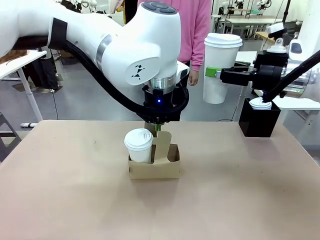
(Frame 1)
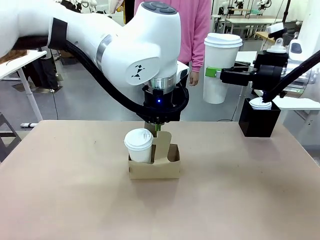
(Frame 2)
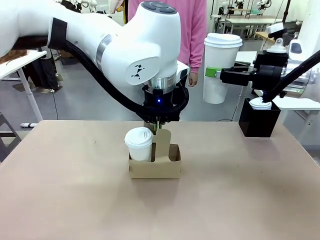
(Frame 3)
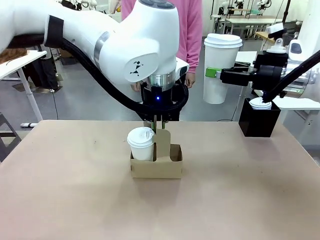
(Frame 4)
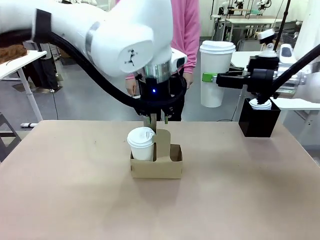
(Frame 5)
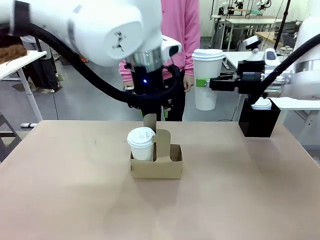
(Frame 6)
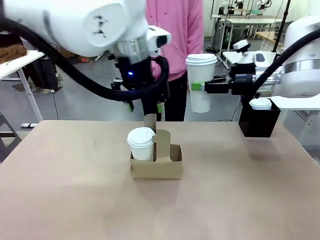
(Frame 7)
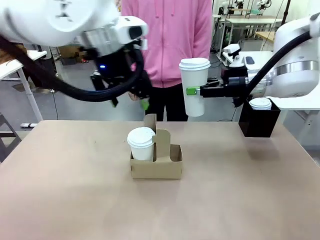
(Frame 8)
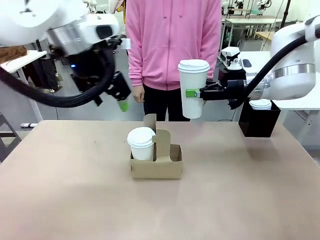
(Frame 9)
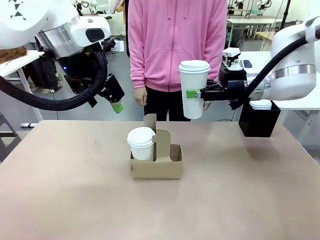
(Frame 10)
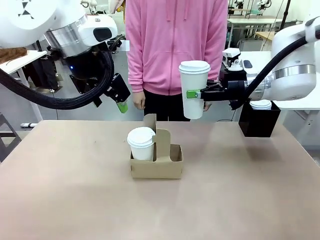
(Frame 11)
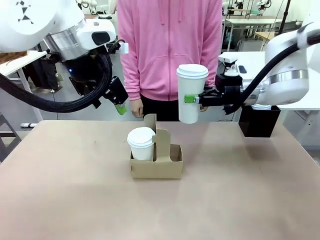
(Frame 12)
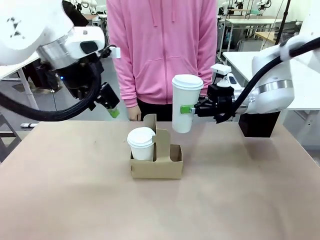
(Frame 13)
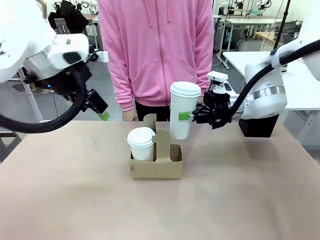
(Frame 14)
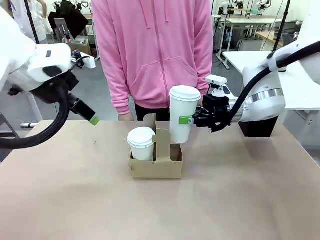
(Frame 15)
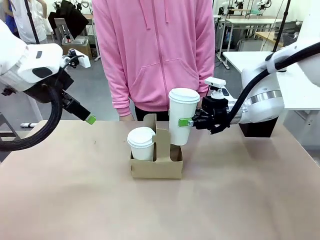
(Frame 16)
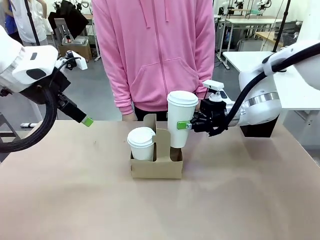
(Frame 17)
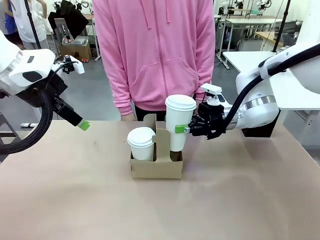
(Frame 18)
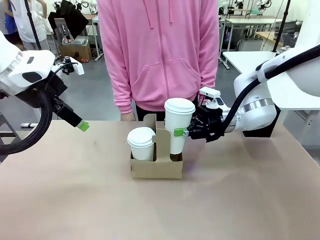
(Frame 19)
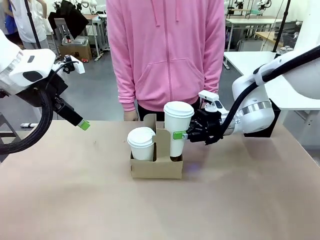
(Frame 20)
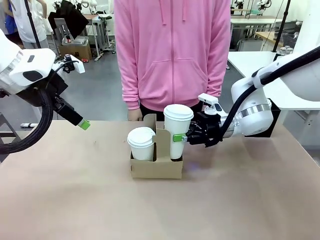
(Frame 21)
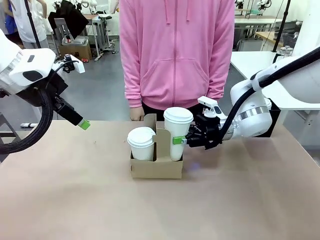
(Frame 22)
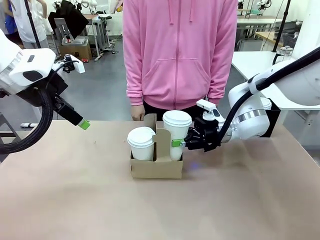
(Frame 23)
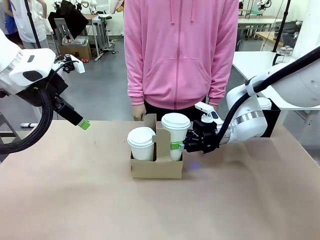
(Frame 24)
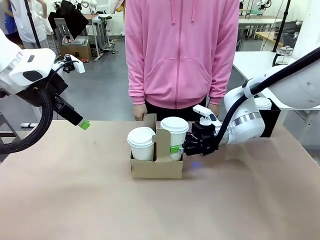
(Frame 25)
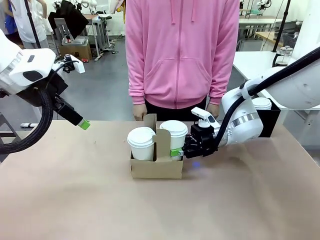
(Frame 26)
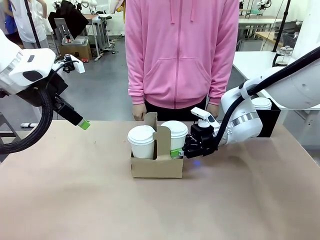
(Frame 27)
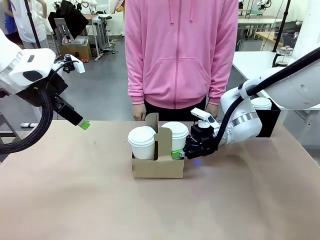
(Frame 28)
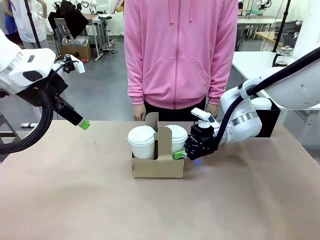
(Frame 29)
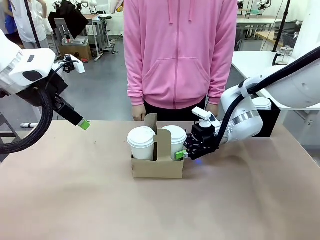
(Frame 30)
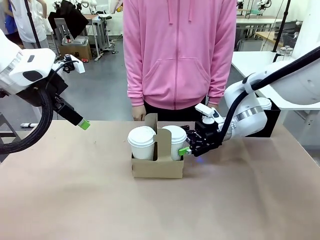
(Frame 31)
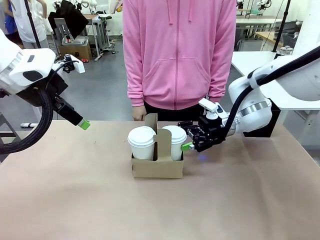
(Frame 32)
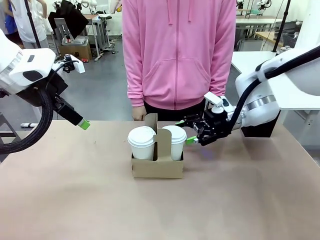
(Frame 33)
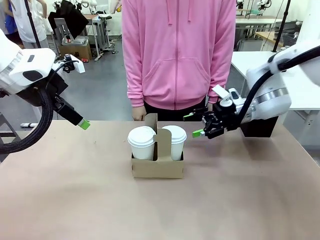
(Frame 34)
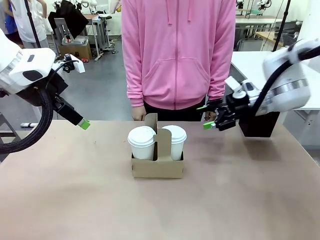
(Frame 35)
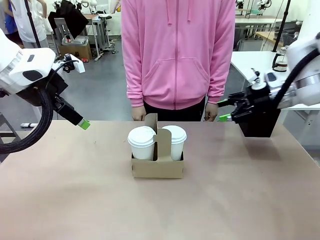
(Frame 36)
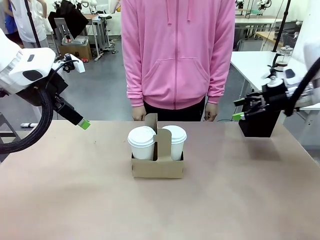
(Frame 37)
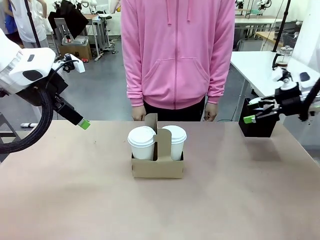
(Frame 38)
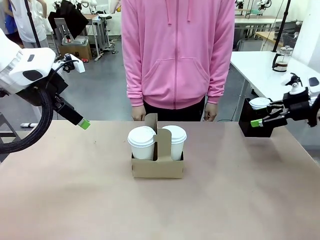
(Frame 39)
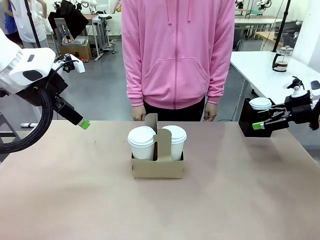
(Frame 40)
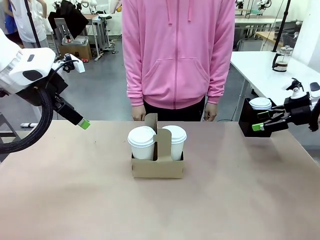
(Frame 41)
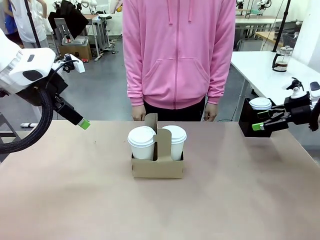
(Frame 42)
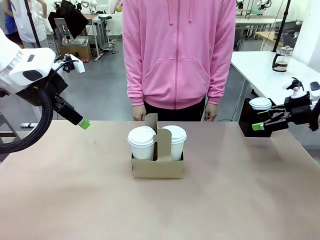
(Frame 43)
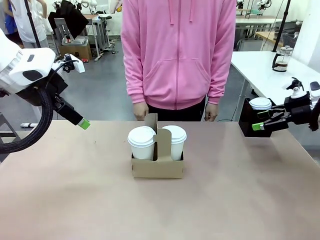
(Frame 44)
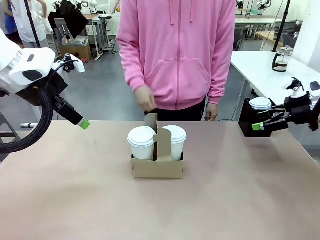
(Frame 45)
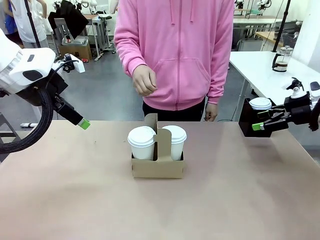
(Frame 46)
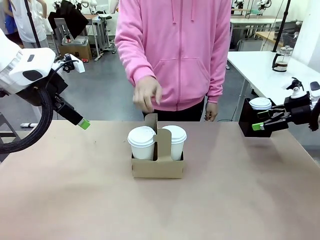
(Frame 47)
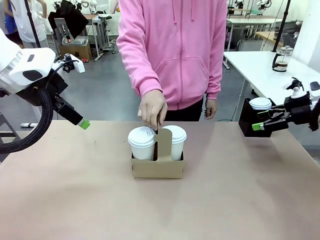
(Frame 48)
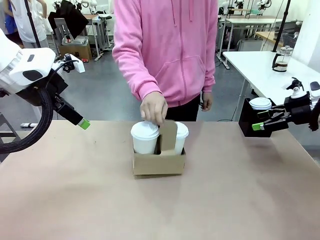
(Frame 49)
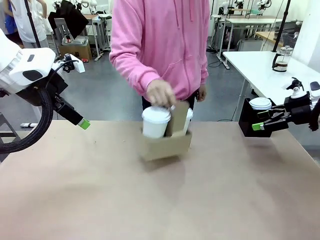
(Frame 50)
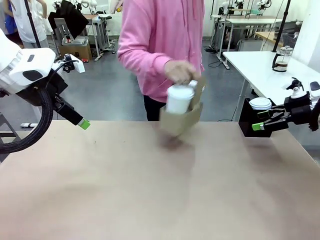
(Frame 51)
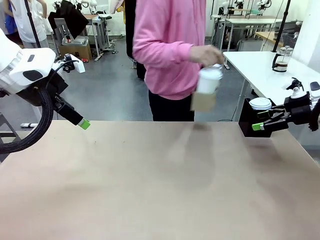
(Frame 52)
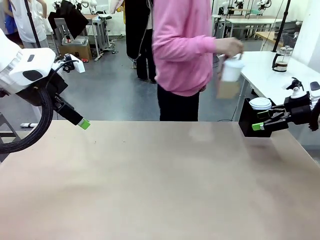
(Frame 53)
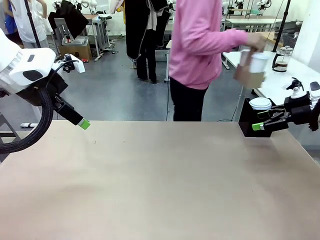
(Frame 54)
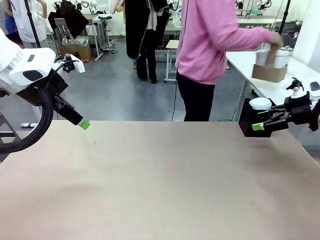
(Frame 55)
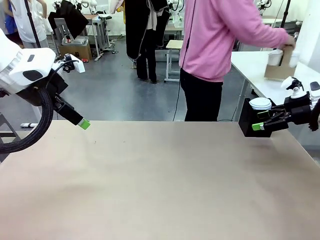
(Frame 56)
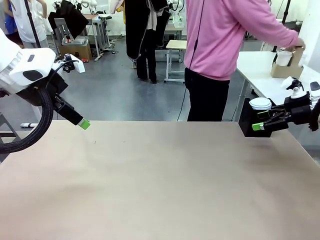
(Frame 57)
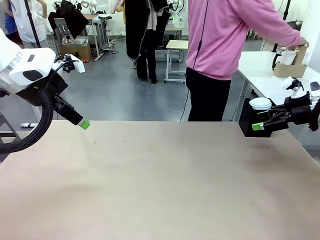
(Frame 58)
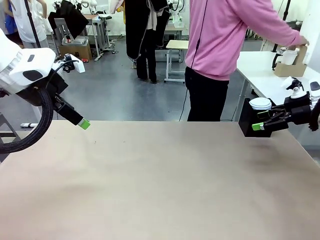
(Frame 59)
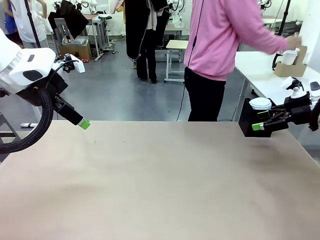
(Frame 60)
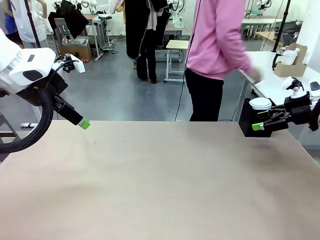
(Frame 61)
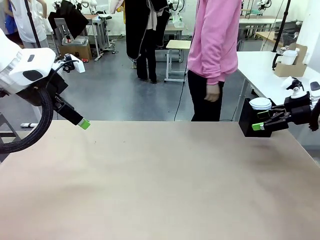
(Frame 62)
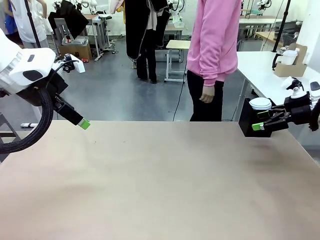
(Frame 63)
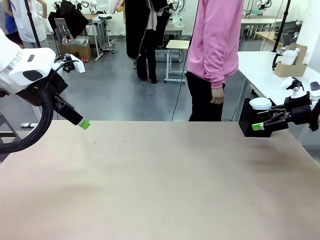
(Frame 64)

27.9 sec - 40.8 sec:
Task: Pour a drink into a cup and package it in a carrier.
Robot: Insert the held 600 ml Paper Cup into the Cup Carrier.
Person: Place the Cup Carrier to the middle of Human table.

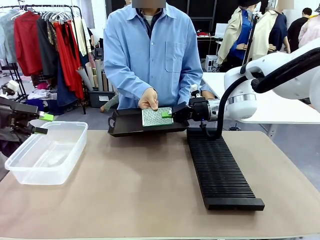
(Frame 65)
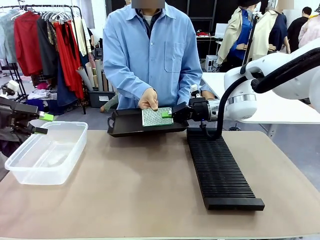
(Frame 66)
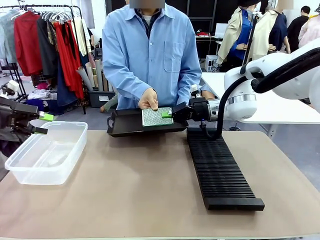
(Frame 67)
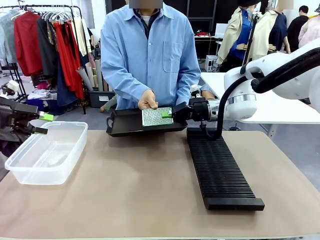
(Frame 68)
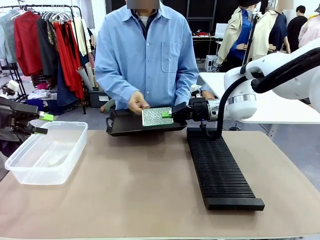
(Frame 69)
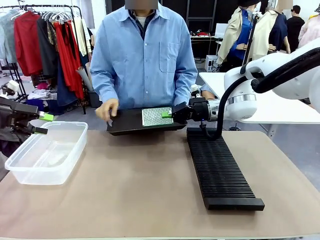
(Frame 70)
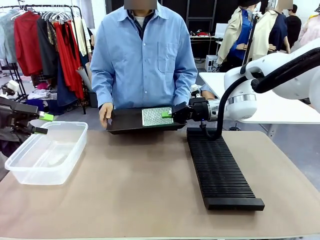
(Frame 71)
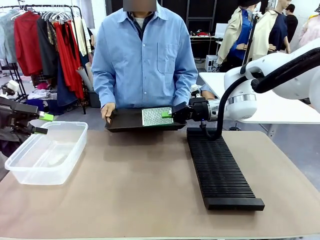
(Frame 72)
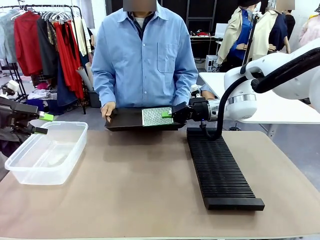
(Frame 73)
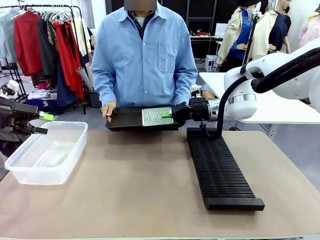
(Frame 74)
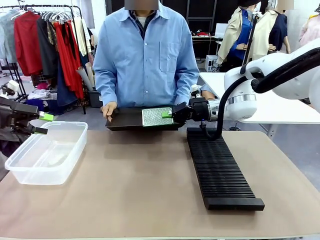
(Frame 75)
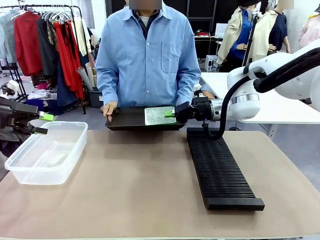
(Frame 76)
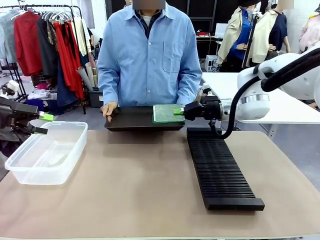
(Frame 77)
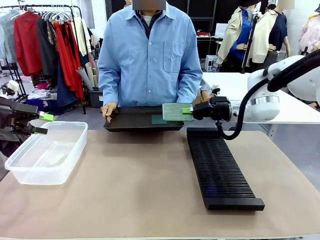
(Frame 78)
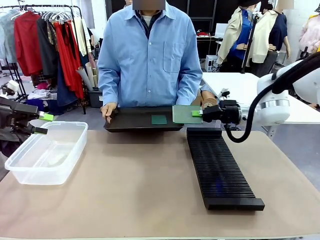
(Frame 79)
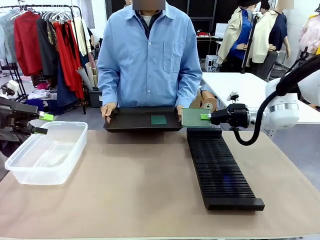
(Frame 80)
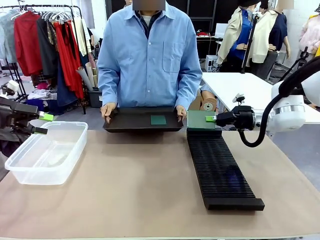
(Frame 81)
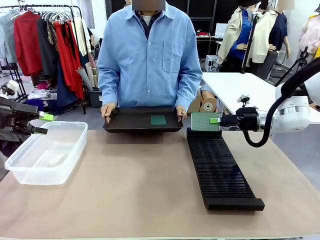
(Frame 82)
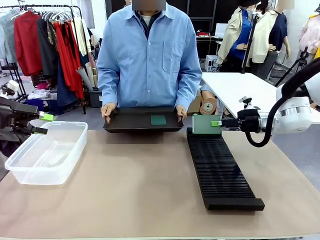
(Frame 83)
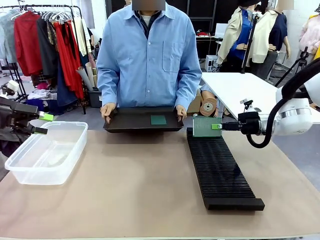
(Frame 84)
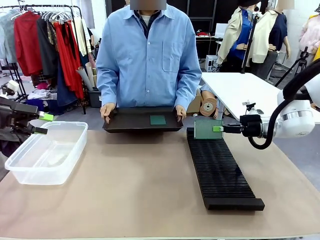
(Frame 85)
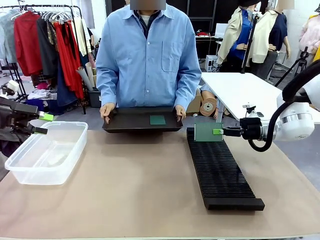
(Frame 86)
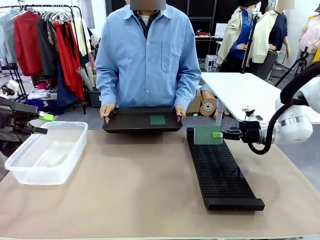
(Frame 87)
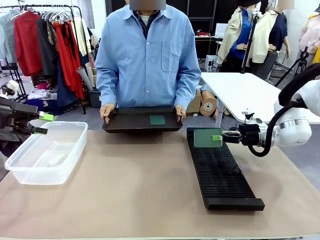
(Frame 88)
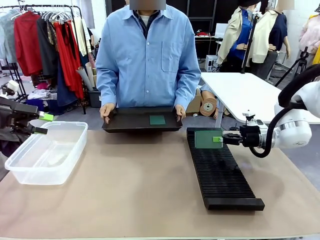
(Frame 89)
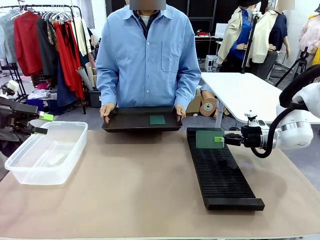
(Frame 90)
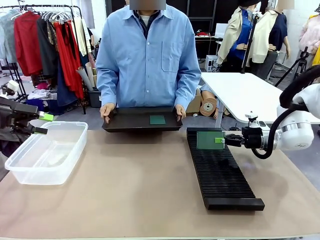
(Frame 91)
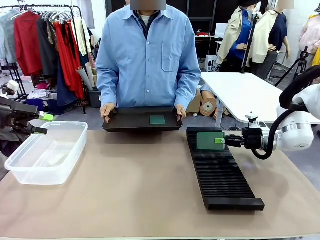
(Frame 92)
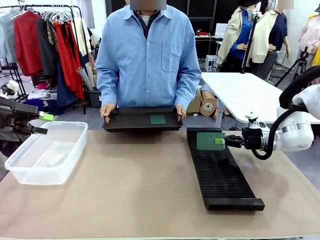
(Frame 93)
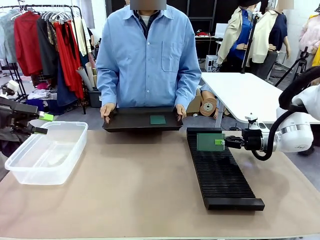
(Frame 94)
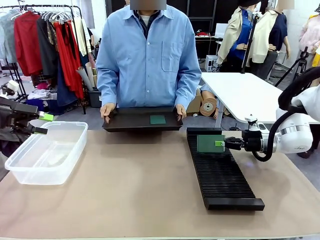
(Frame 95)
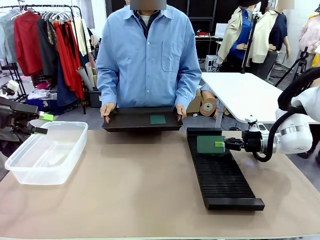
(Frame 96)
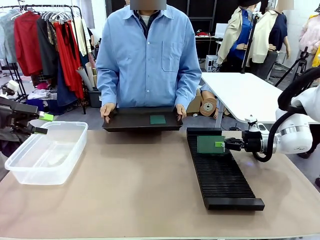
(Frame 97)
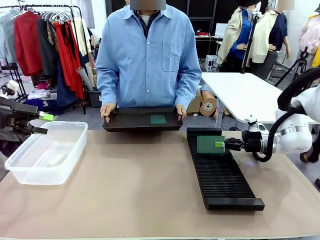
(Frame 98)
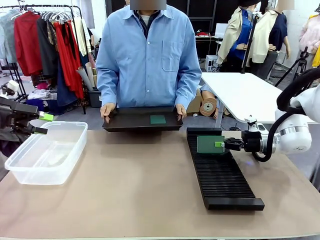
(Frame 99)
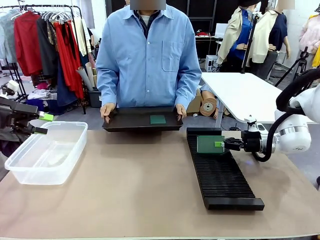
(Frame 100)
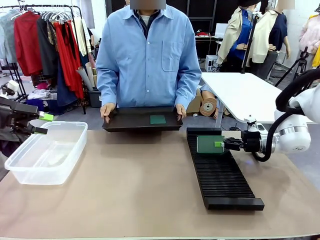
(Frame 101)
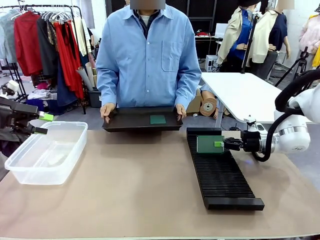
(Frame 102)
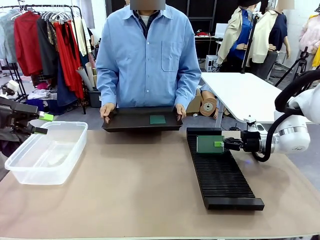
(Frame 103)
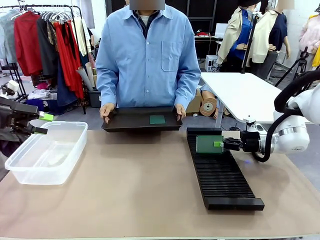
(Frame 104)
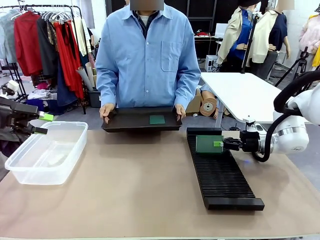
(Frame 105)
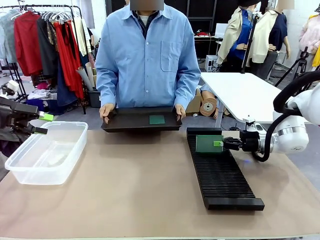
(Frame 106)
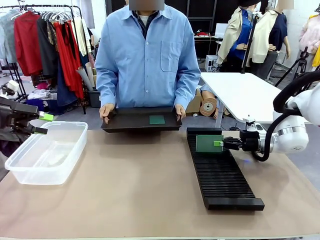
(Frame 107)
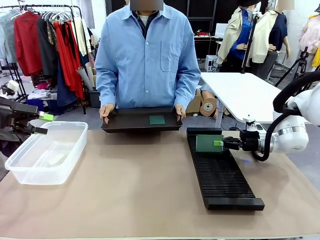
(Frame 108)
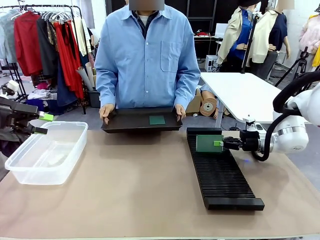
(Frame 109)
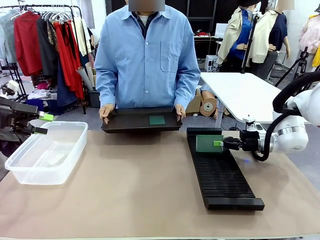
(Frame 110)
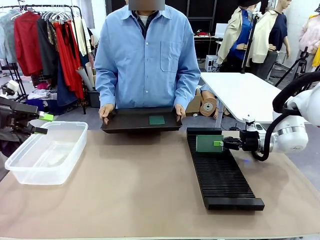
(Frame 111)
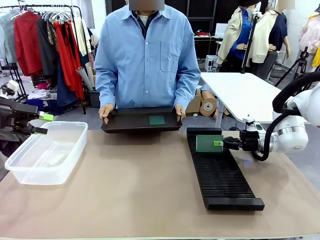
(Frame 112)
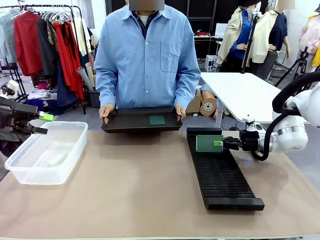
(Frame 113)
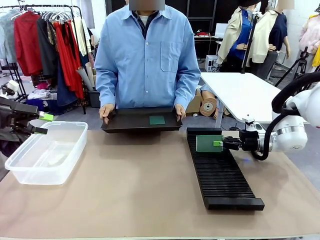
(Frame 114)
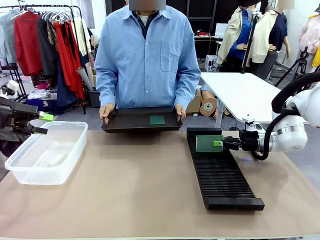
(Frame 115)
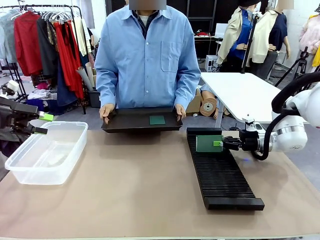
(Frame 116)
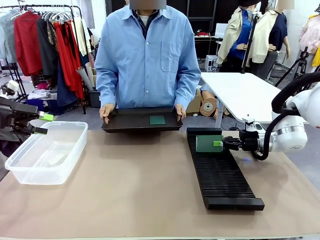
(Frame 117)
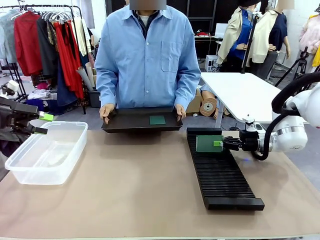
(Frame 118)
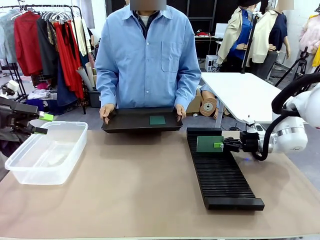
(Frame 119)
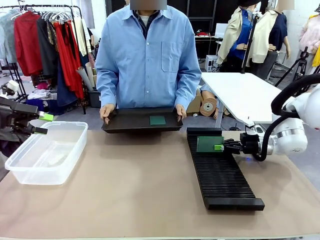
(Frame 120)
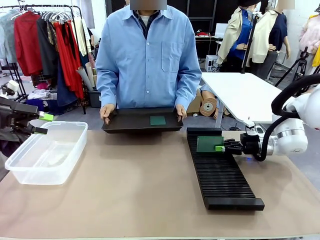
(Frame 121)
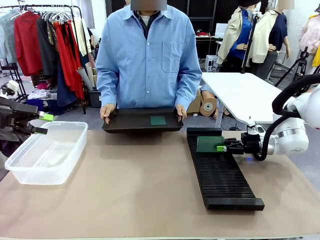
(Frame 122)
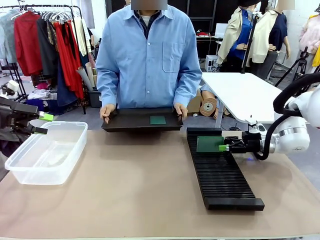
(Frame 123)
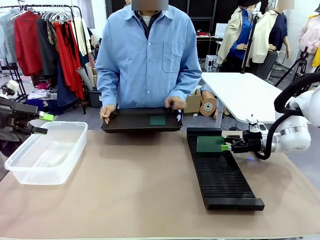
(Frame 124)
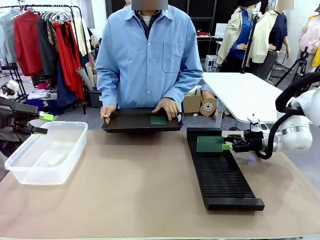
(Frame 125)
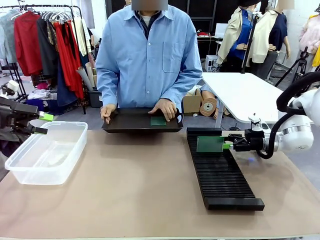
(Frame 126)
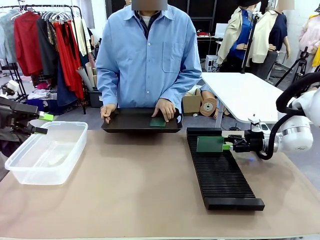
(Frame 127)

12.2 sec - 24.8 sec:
Task: Sort PCBs into racks and boxes based on the side picked up.
Robot: If the short side of the Blank PCB is picked up, insert it into the PCB Rack ; if the long side is picked up, place it in the Organizing box.
Person: Pick one PCB from the tray and present it to the robot.
